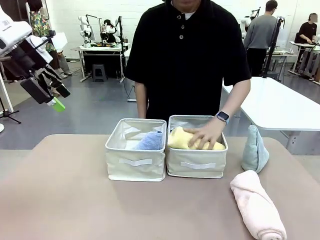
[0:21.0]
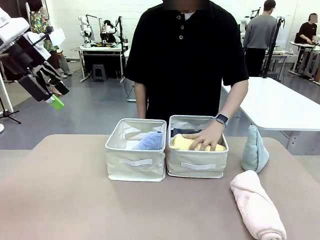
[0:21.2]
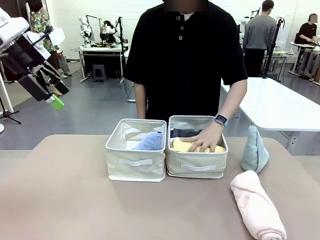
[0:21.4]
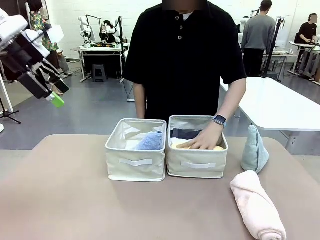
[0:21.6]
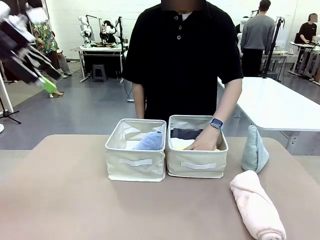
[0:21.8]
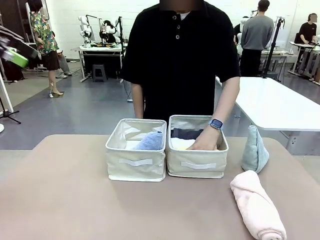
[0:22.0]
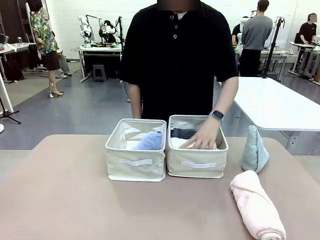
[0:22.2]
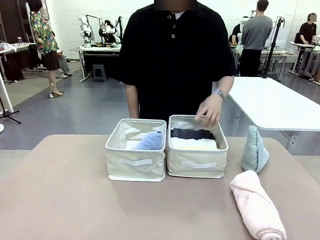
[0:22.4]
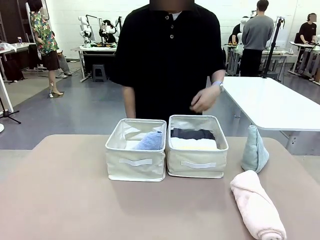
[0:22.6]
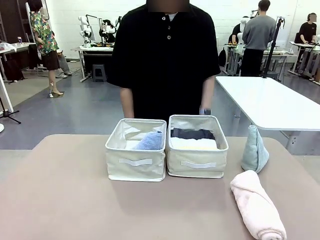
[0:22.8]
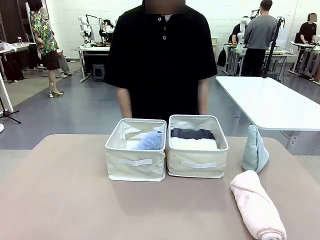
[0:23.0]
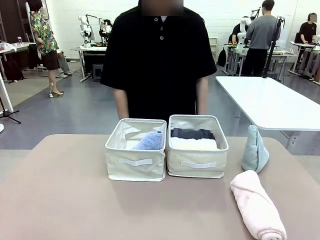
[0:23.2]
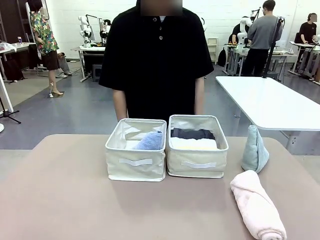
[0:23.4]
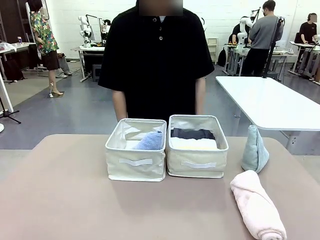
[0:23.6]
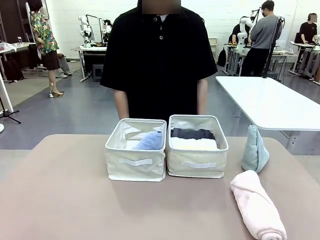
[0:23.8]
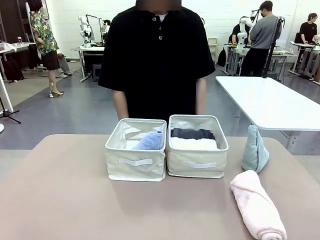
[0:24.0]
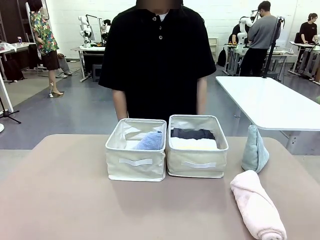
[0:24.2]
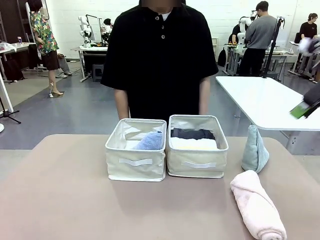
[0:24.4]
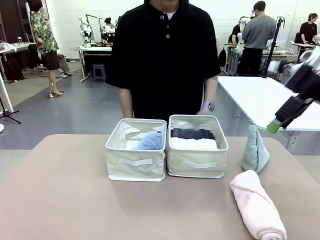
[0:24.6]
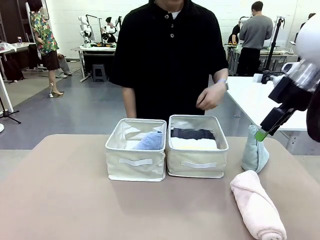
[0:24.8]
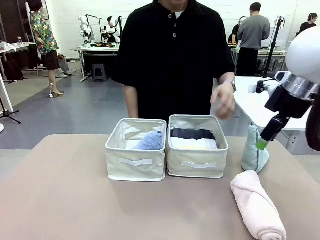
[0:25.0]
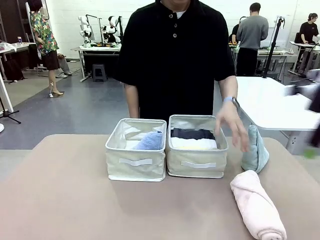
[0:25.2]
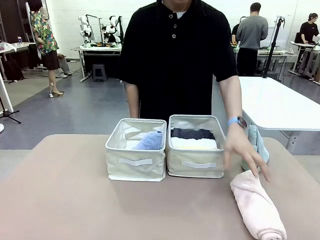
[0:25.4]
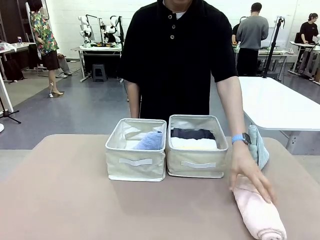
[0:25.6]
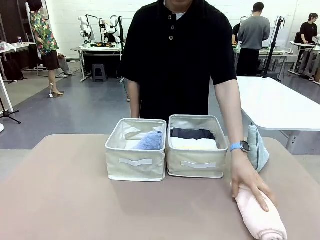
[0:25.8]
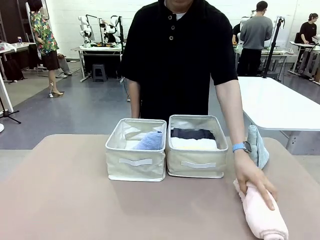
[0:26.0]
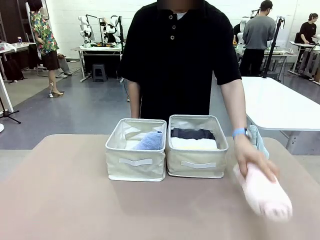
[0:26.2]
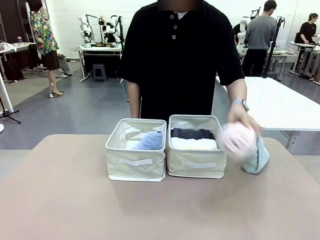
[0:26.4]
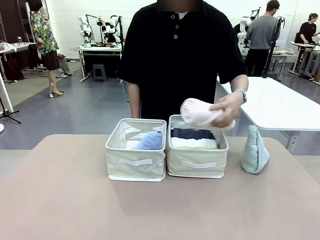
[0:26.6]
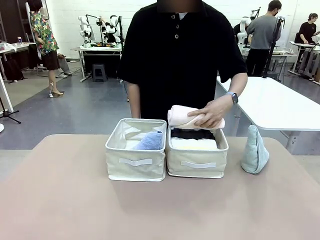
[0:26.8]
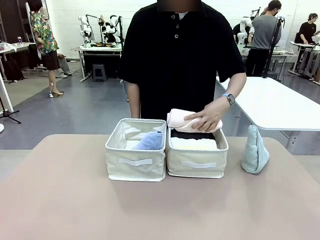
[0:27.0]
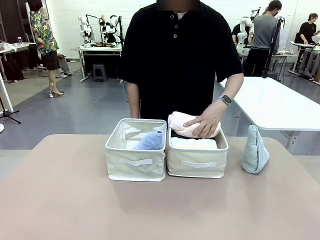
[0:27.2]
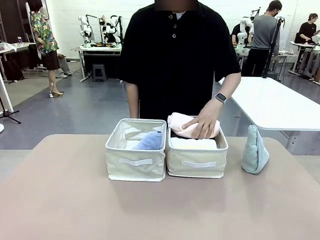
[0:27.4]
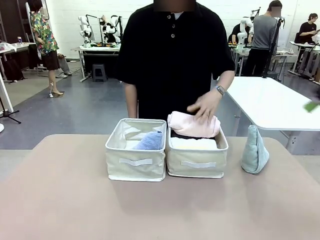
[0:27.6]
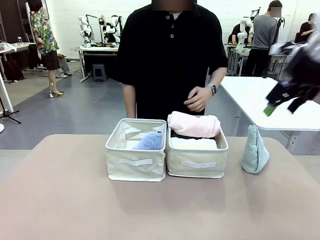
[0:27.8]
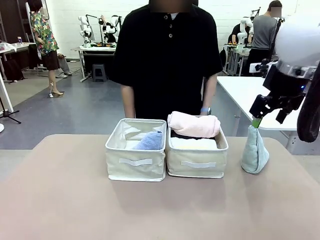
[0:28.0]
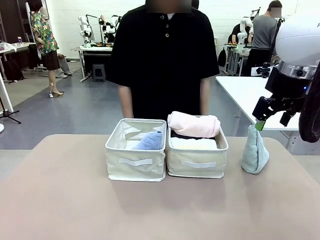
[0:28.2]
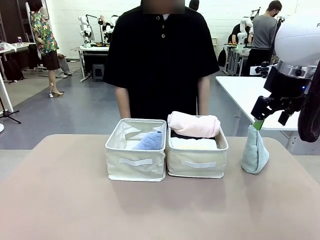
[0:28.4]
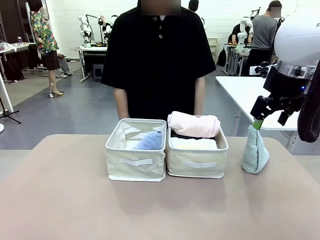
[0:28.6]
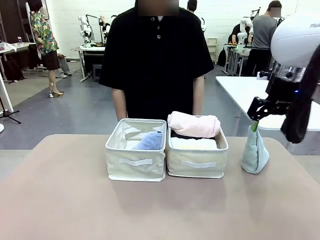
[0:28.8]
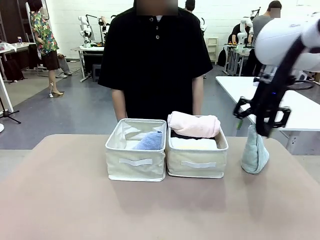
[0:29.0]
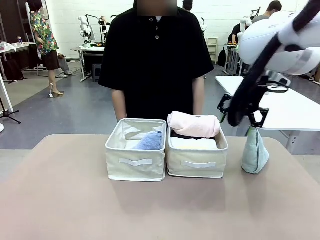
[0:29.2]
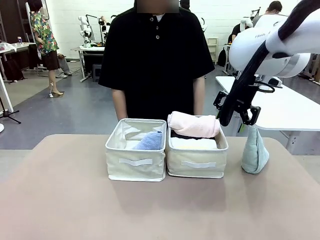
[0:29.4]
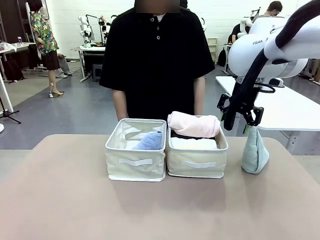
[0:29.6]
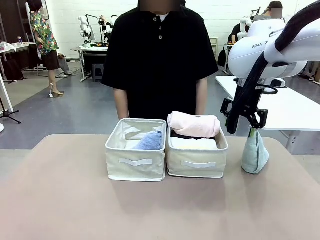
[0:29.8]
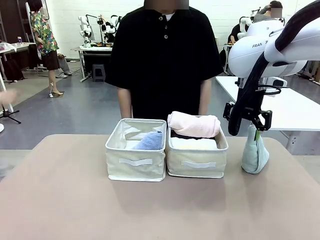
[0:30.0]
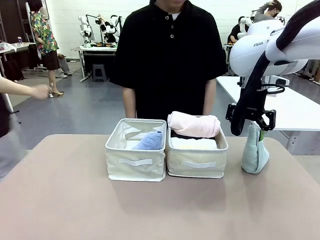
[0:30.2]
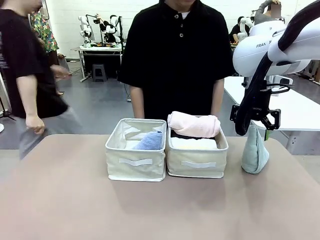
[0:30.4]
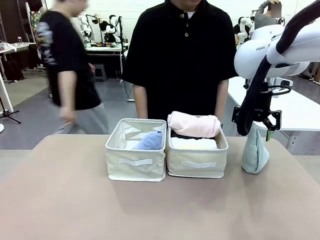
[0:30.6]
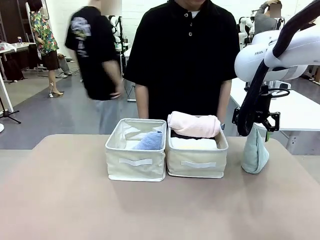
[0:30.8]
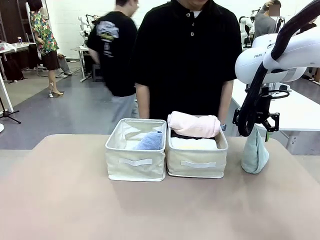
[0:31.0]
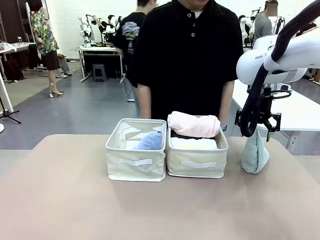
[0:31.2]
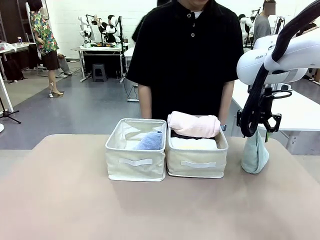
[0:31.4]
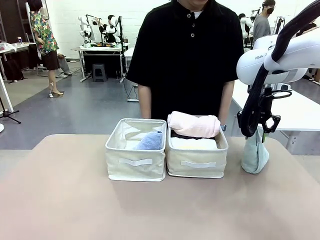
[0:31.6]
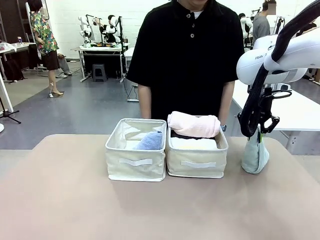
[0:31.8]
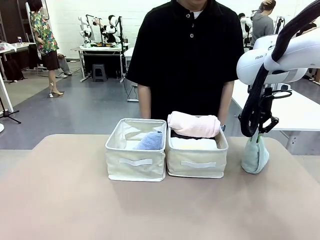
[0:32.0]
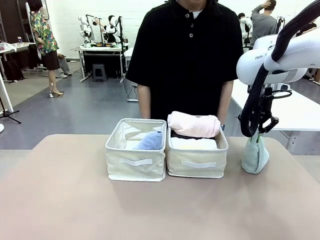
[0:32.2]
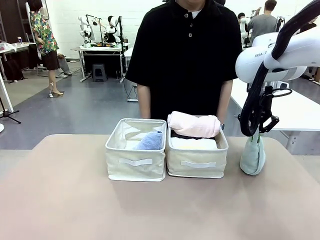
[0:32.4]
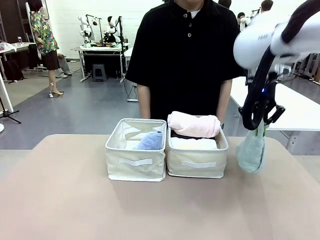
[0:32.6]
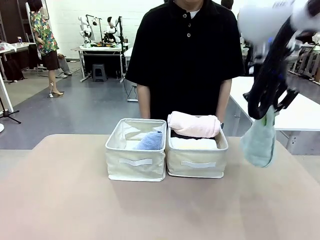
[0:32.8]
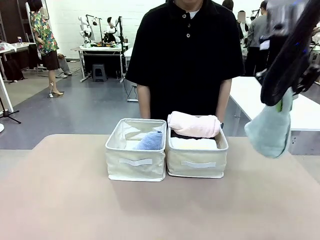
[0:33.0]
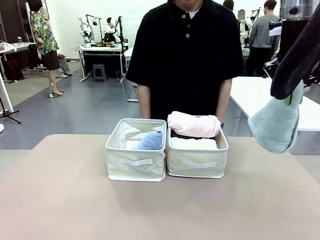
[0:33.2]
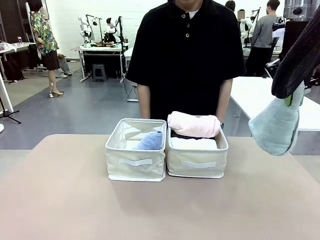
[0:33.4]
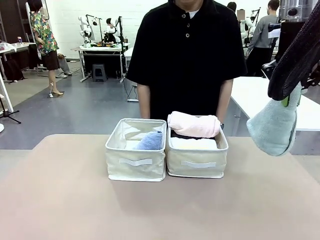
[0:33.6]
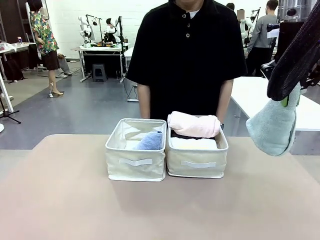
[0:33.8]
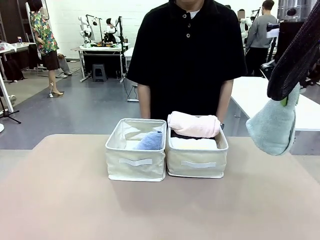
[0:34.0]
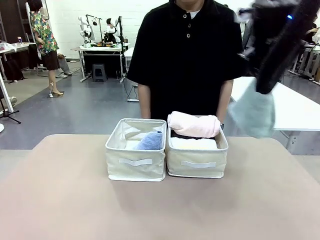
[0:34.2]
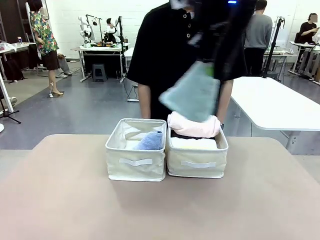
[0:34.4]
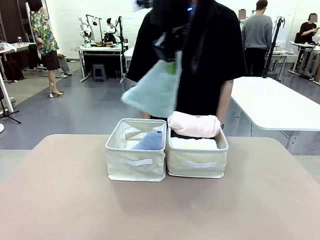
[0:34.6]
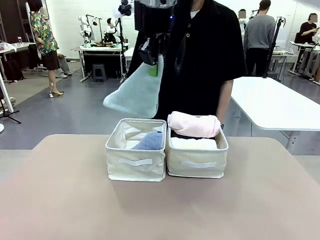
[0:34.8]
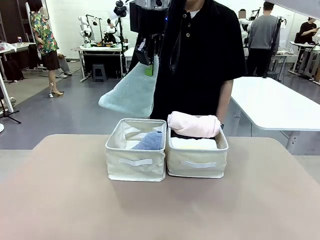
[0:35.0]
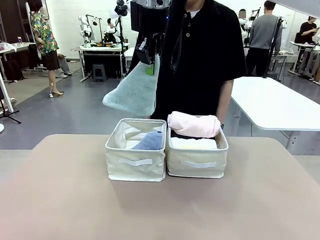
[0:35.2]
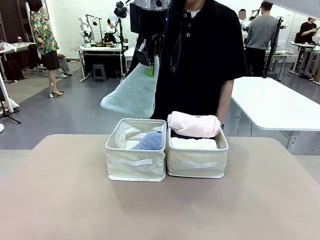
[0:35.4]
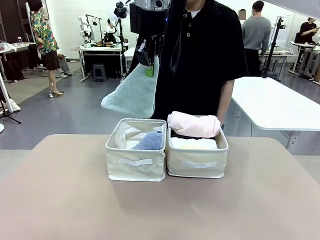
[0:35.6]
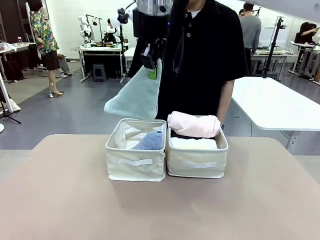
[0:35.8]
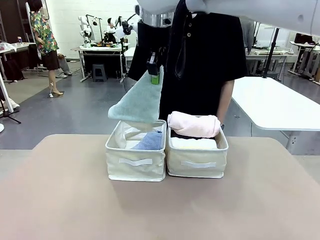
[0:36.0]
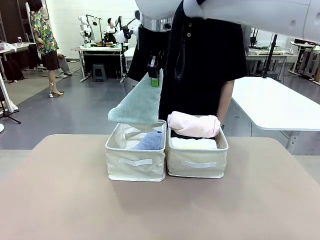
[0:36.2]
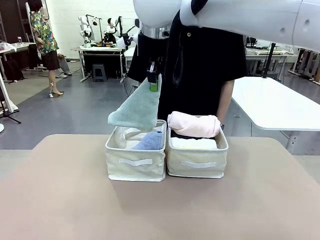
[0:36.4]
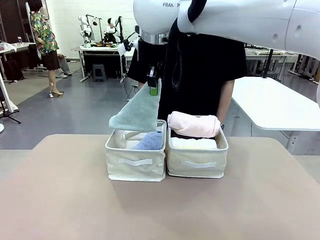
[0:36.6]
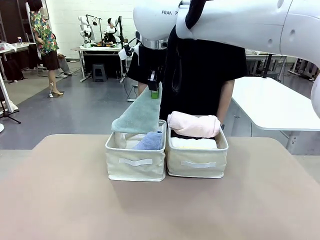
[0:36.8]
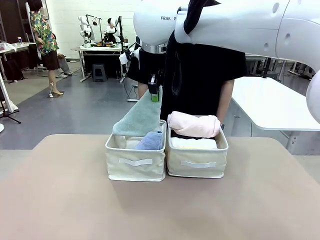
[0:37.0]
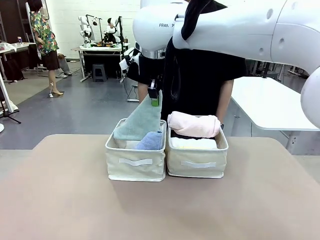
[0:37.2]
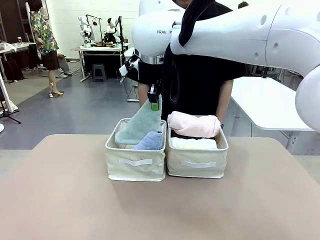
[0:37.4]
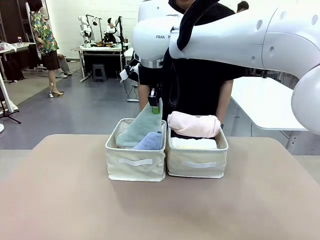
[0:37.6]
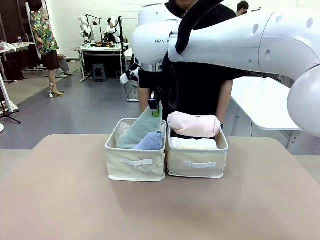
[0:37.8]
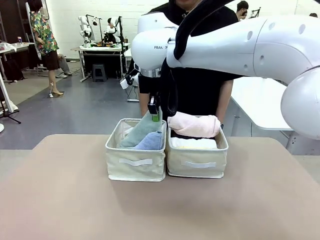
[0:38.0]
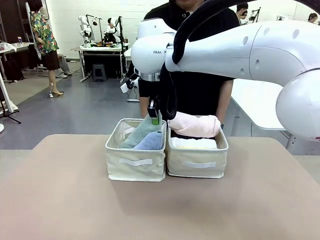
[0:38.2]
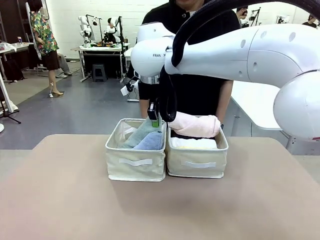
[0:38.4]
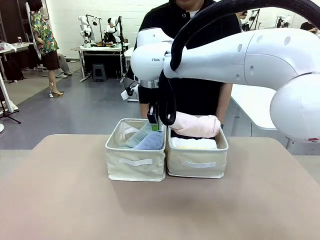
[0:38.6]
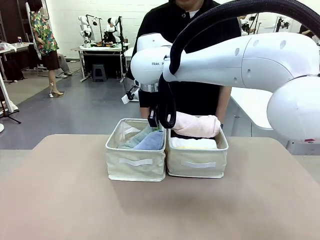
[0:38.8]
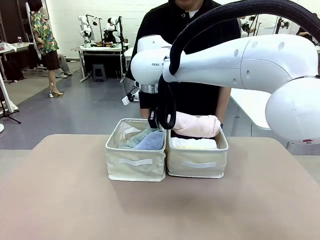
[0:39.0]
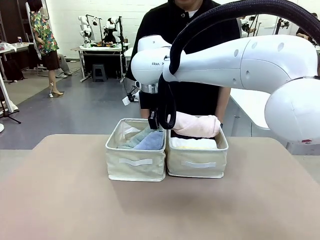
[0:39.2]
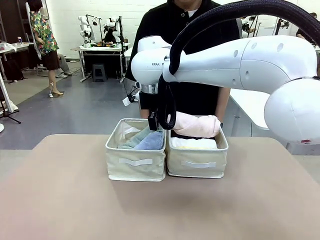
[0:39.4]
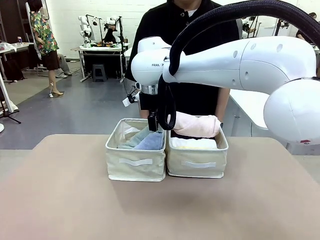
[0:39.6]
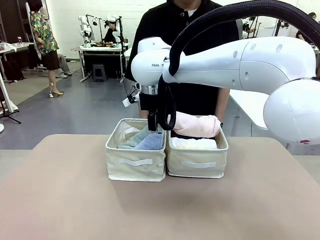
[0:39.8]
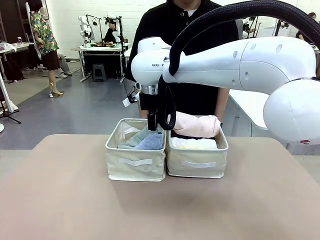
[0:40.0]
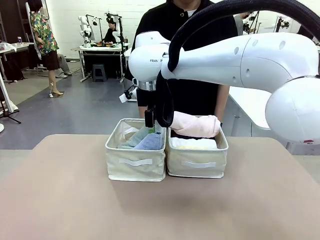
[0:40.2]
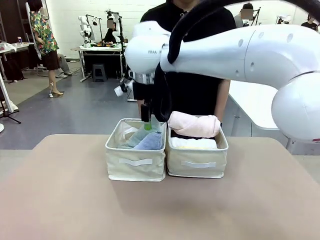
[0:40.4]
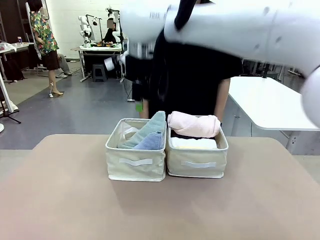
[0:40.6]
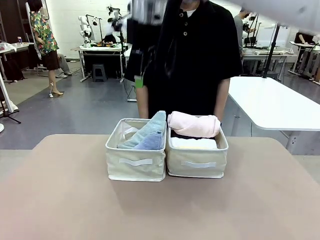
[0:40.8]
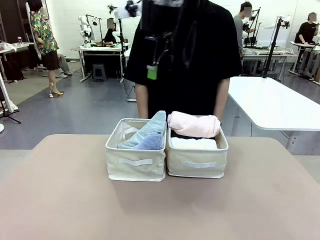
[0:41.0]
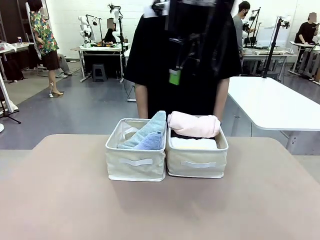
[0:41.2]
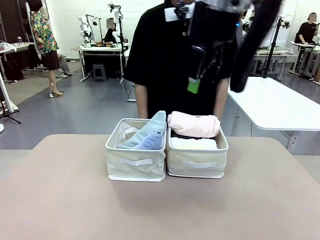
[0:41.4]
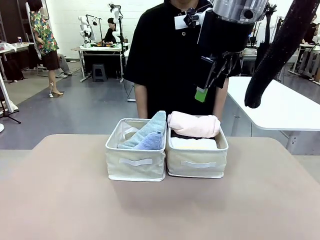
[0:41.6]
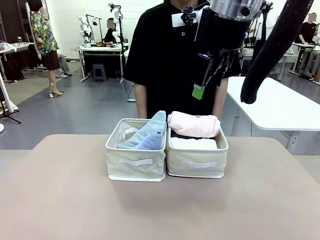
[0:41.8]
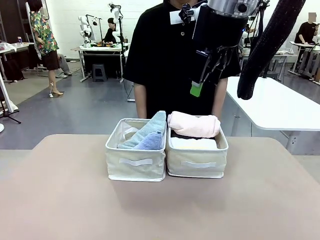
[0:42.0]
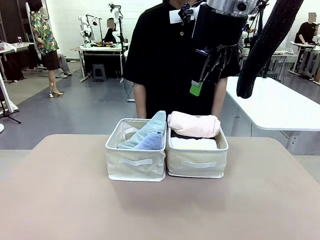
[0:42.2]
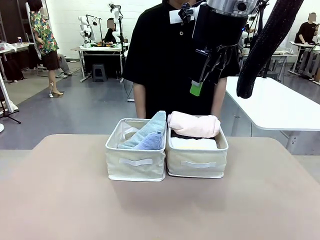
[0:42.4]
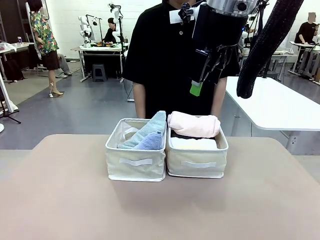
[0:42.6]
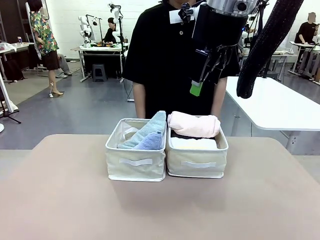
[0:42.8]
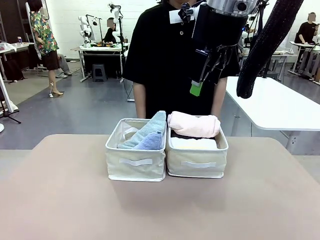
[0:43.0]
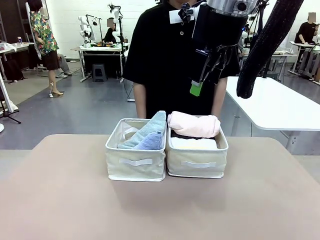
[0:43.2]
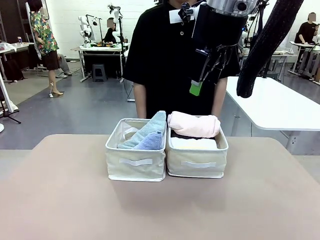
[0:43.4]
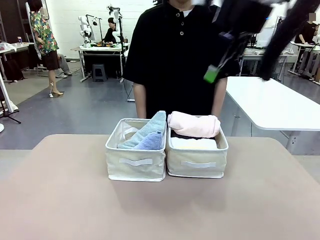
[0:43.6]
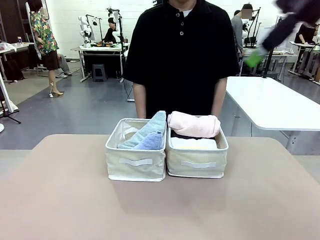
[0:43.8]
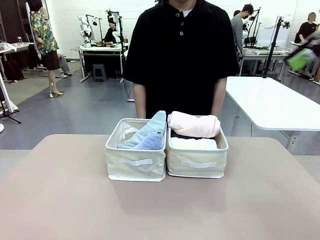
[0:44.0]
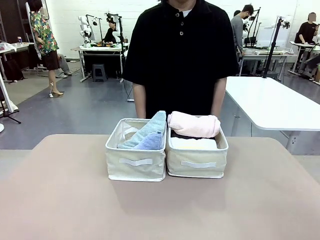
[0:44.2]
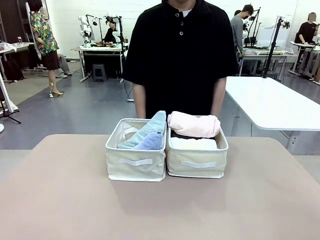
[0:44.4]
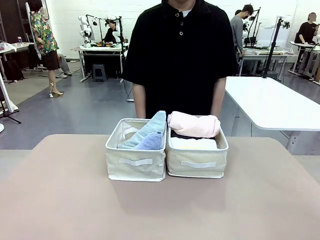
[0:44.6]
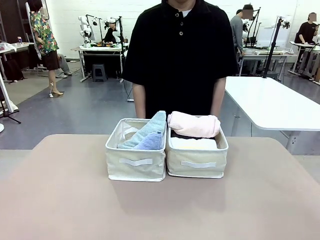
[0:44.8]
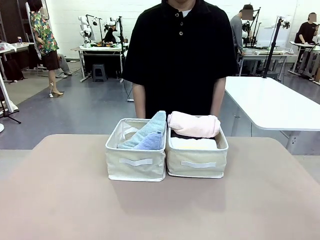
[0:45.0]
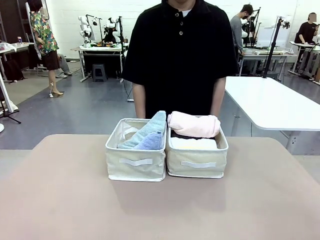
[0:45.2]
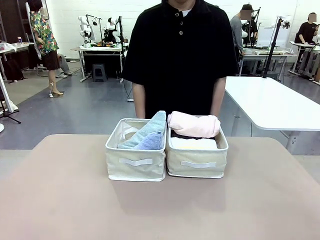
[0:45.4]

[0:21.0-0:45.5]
Task: Sort the towels based on their folding style.
Robot: Pick up another triangle-folded towel from the table and place it in the left Fabric basket.
Person: Pick up one hotel-style rolled towel from the table and place it in the left fabric basket.
